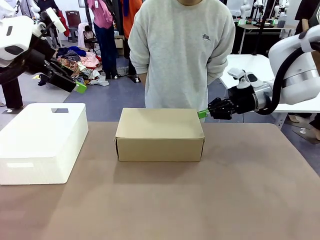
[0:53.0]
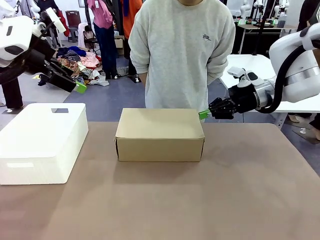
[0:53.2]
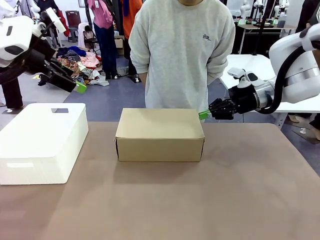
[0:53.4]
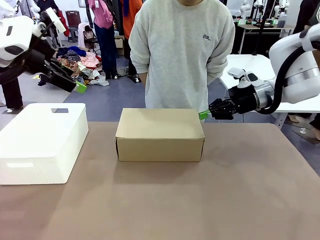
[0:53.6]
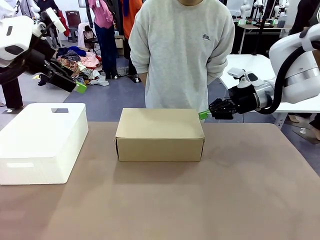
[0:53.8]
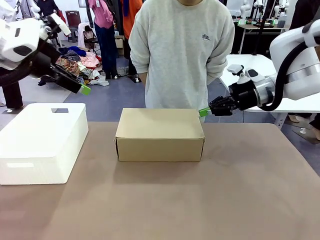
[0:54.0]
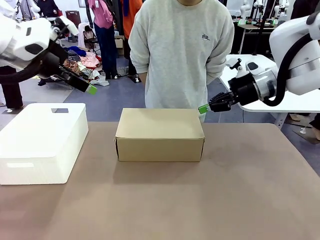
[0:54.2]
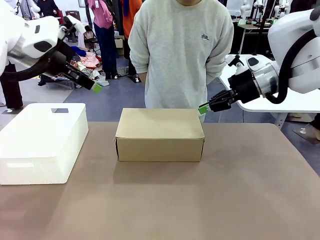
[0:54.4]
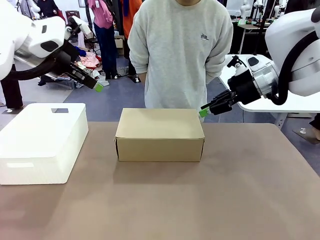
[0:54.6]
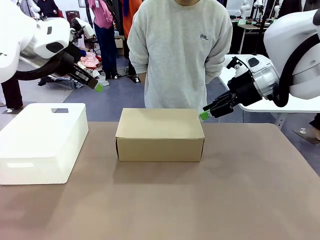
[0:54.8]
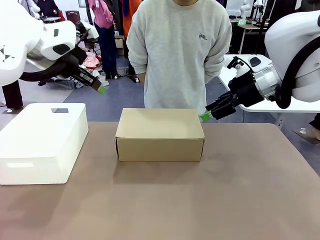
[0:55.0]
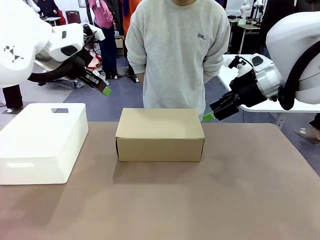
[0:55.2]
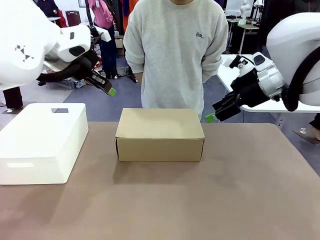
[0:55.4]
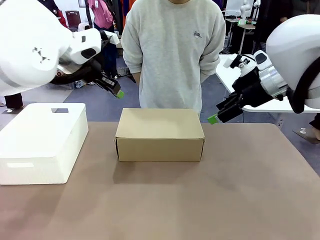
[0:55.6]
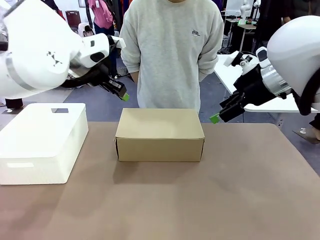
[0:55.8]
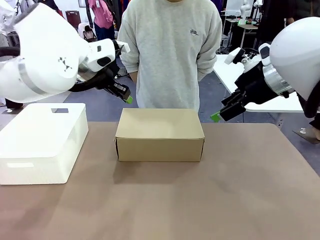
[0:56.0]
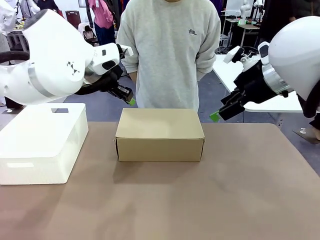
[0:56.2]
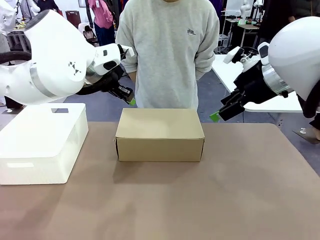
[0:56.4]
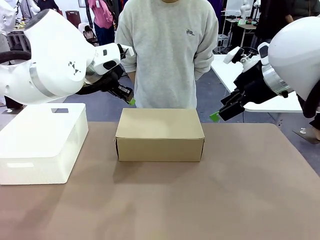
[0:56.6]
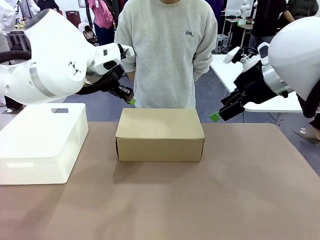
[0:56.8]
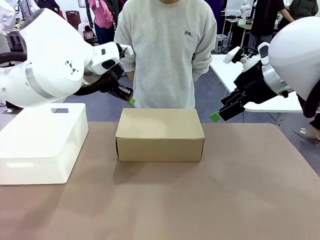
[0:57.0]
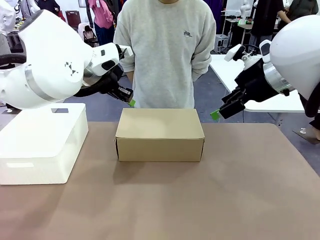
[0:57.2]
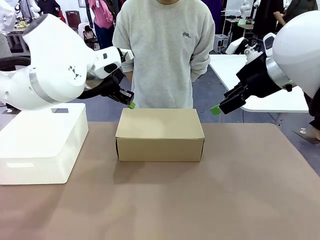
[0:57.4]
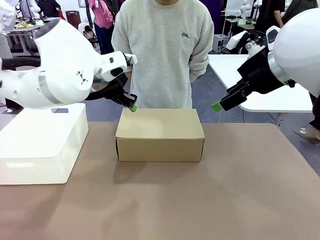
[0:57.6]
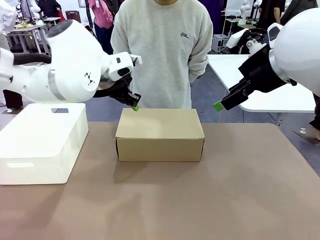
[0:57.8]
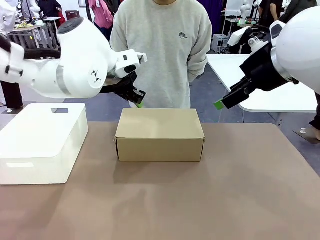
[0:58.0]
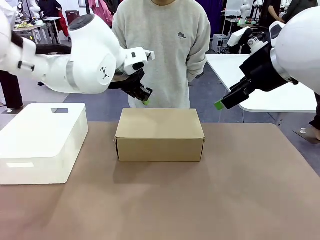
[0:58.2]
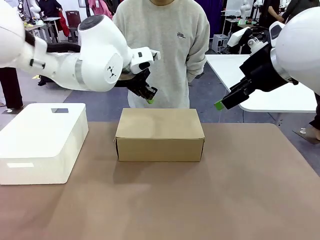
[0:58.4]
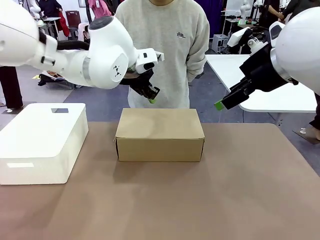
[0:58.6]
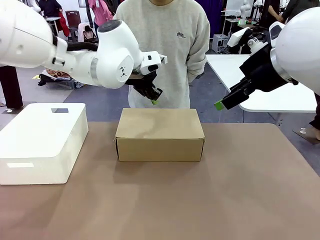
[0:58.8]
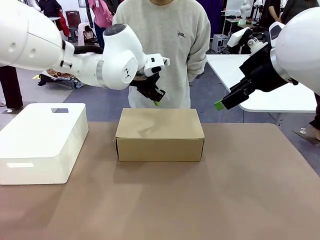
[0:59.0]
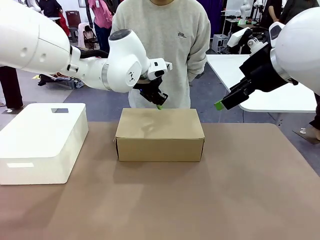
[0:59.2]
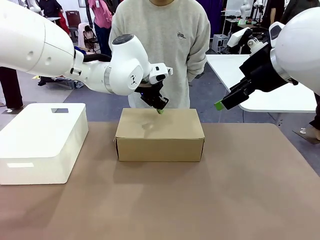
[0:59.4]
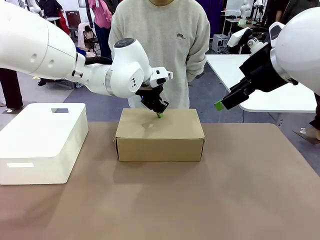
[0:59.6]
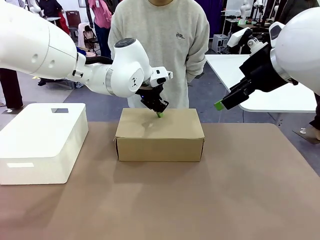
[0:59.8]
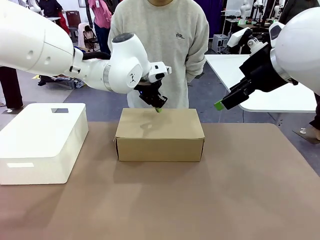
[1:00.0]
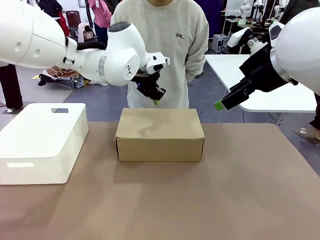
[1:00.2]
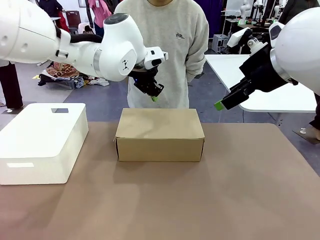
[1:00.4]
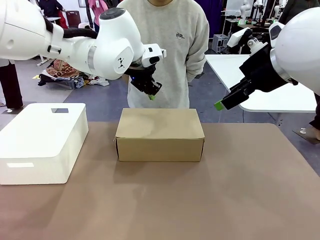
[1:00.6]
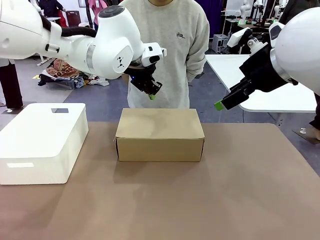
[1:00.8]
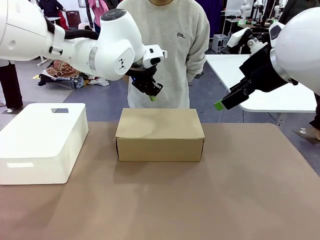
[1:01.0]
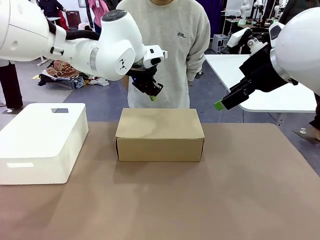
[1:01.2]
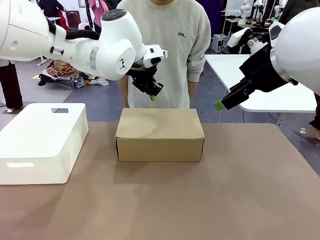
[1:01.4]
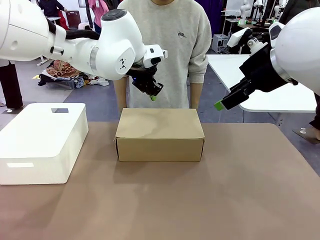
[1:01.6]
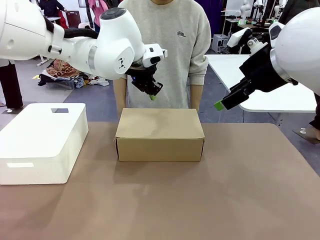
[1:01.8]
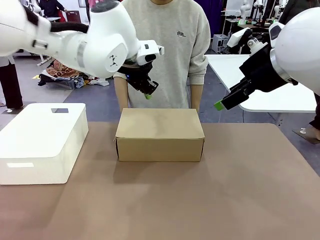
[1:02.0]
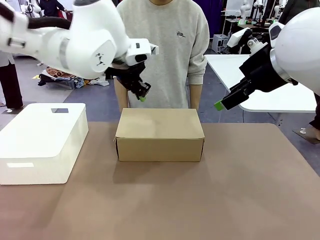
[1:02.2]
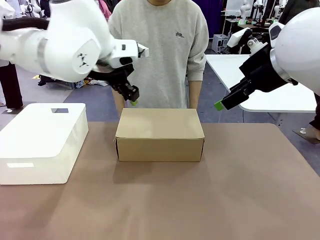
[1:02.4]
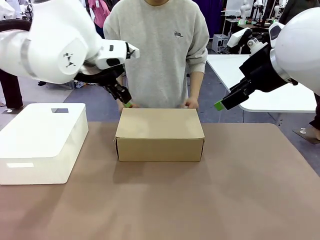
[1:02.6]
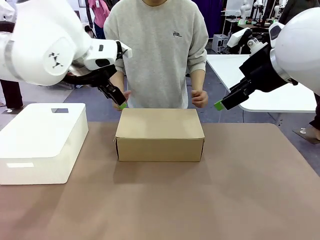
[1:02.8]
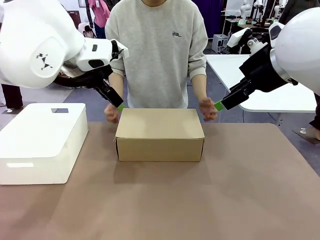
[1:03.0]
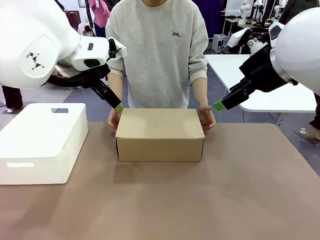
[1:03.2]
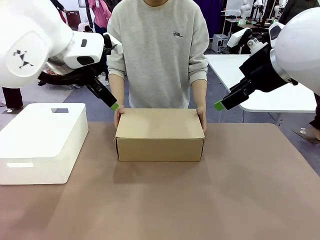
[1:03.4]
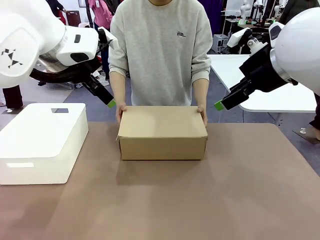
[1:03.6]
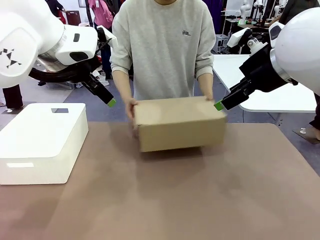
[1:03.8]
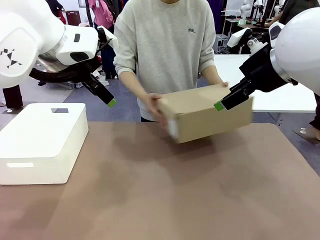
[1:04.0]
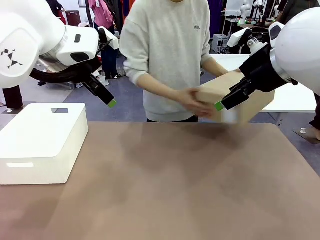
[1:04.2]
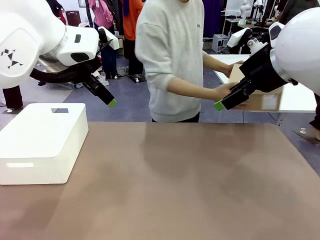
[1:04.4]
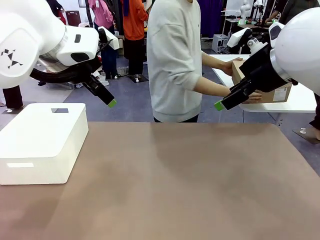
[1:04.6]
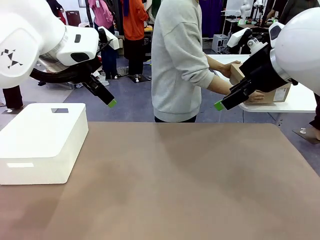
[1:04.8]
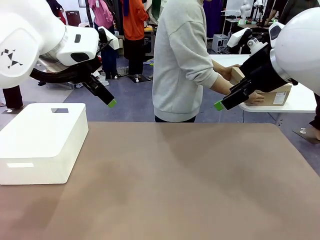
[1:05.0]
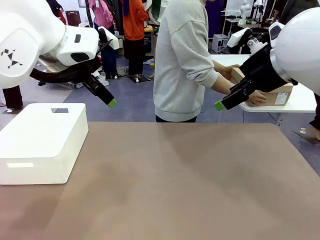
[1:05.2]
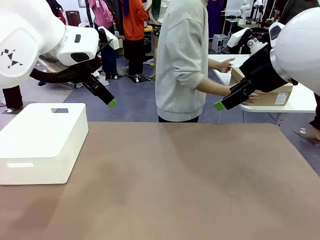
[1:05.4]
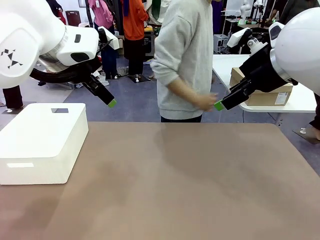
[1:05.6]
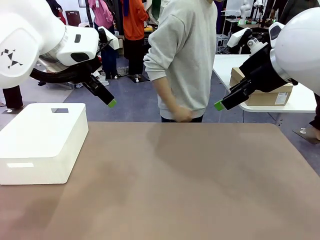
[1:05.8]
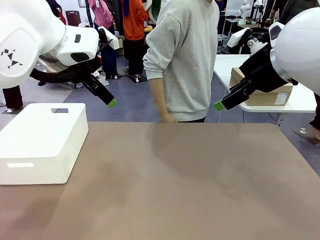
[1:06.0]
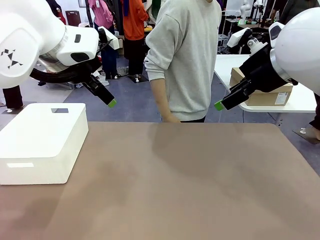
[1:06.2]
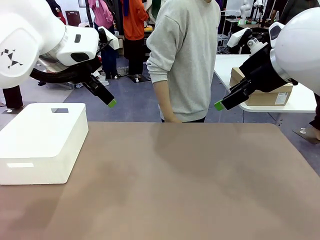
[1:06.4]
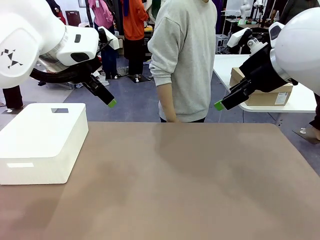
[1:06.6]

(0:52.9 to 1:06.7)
Task: Pack the shoes into the box.
Robot: Press down on the lid of the Shoes Box.
Person: Place the closed Shoes Box to the right side of the human table.

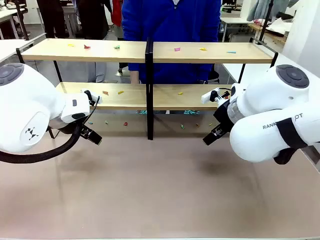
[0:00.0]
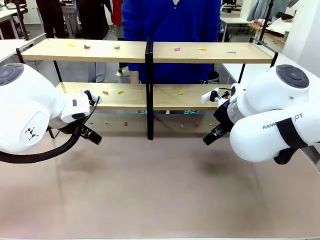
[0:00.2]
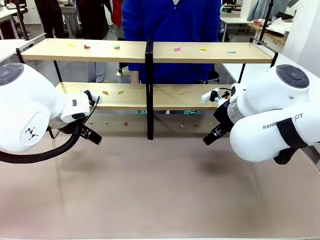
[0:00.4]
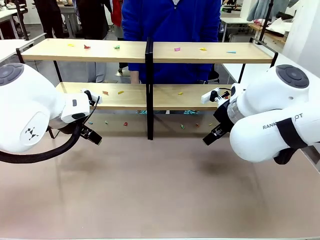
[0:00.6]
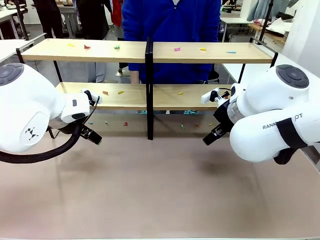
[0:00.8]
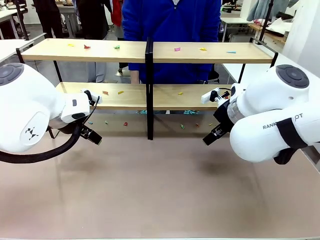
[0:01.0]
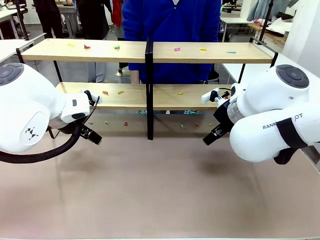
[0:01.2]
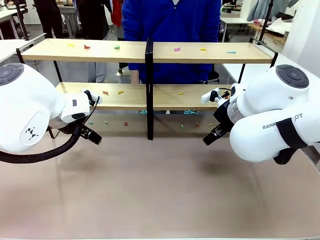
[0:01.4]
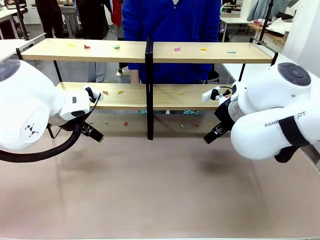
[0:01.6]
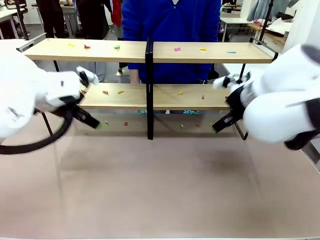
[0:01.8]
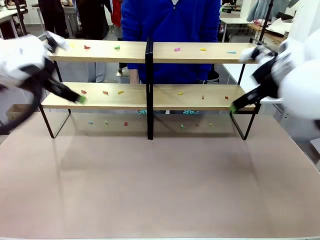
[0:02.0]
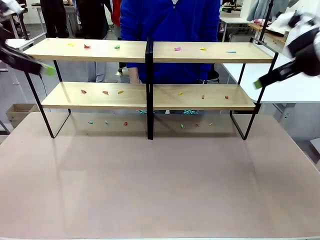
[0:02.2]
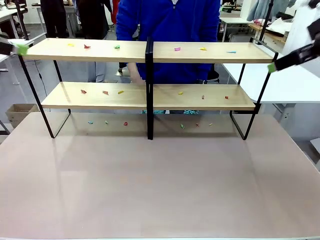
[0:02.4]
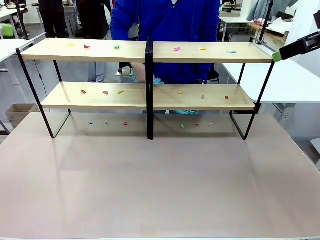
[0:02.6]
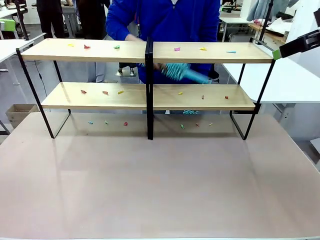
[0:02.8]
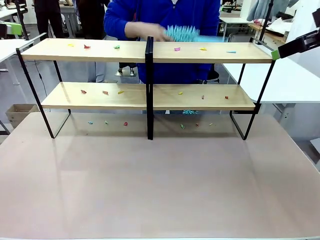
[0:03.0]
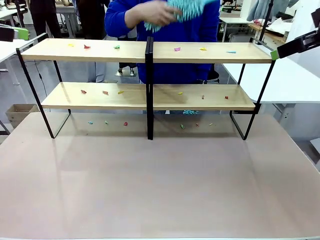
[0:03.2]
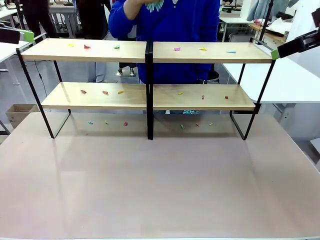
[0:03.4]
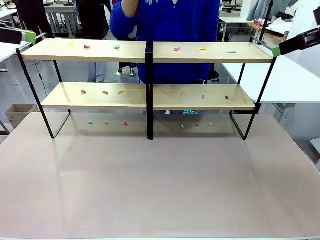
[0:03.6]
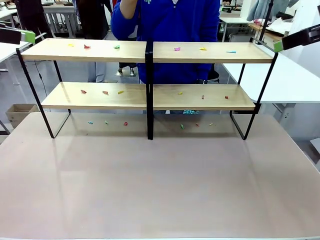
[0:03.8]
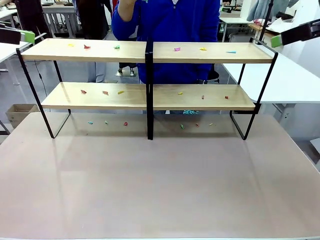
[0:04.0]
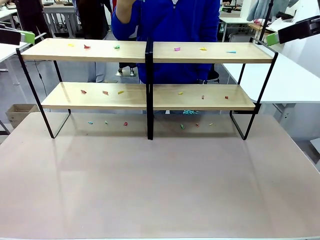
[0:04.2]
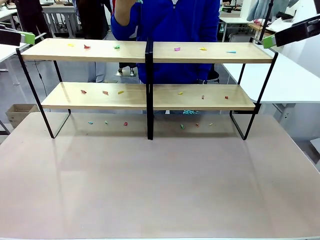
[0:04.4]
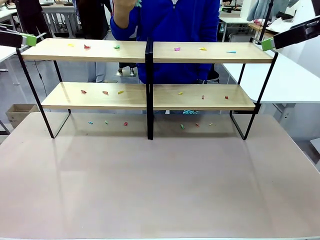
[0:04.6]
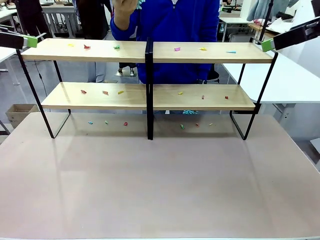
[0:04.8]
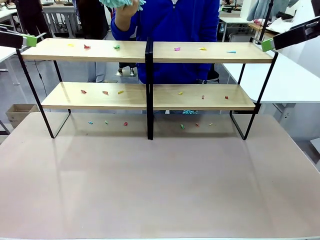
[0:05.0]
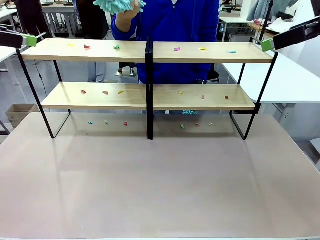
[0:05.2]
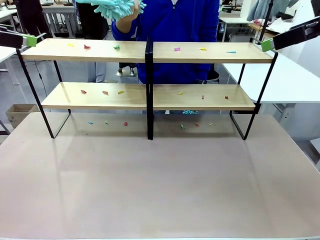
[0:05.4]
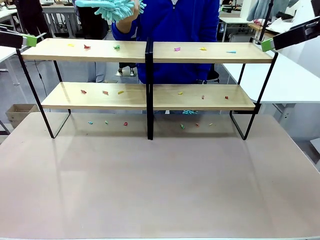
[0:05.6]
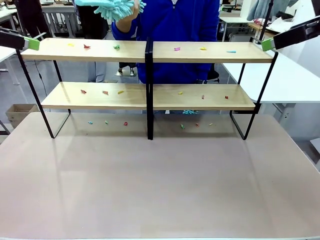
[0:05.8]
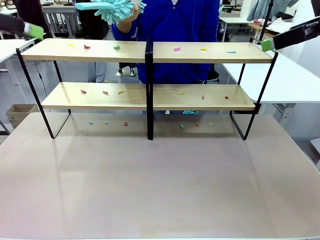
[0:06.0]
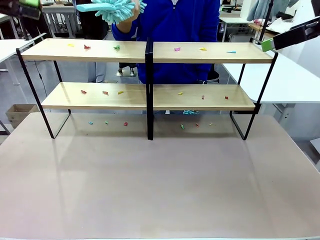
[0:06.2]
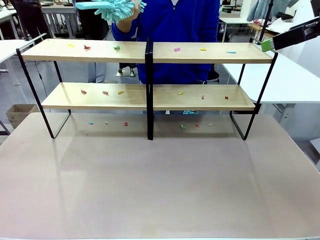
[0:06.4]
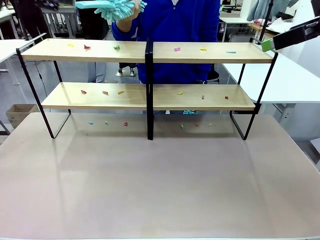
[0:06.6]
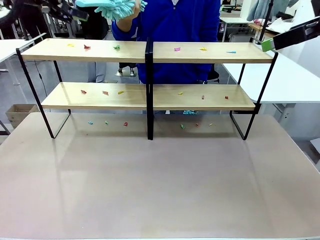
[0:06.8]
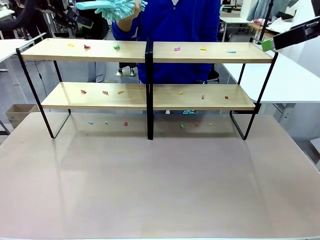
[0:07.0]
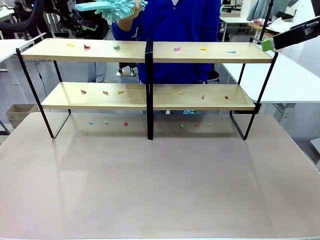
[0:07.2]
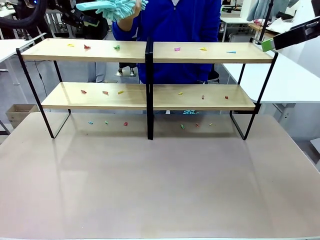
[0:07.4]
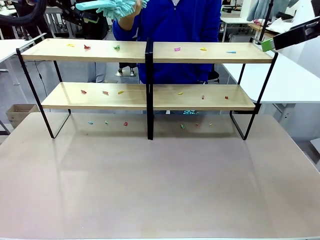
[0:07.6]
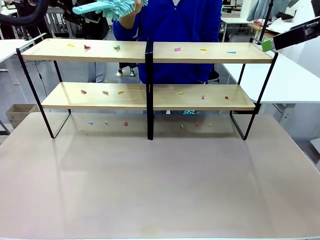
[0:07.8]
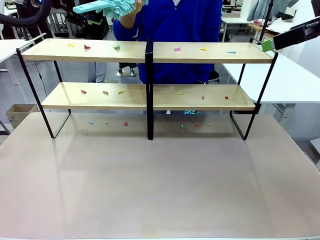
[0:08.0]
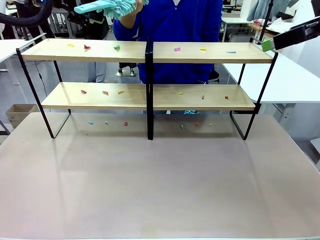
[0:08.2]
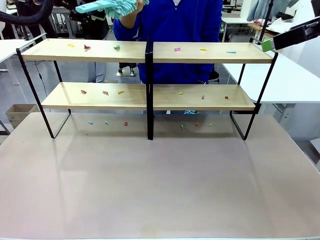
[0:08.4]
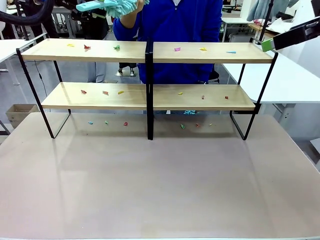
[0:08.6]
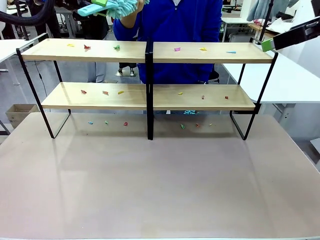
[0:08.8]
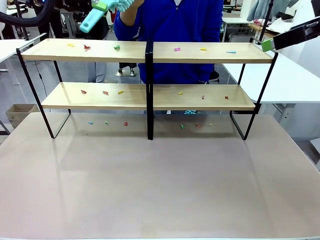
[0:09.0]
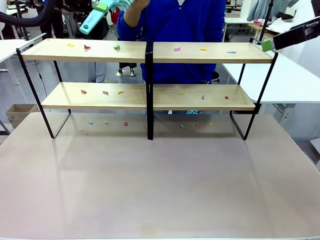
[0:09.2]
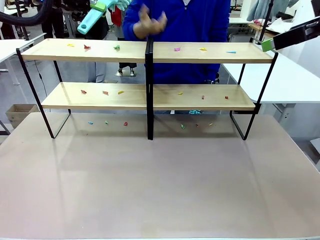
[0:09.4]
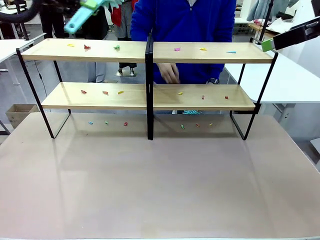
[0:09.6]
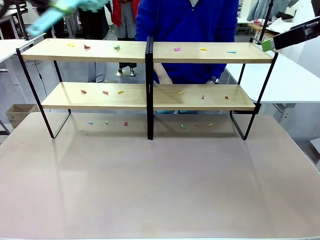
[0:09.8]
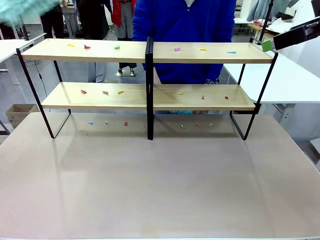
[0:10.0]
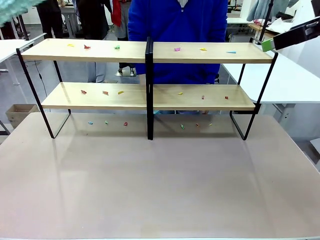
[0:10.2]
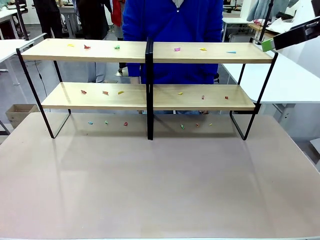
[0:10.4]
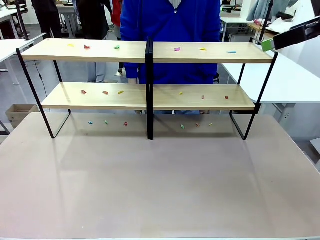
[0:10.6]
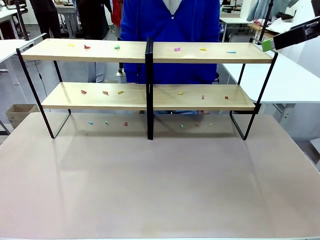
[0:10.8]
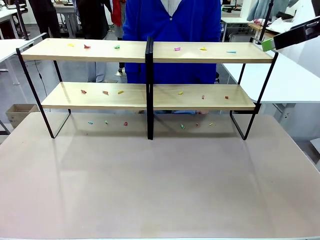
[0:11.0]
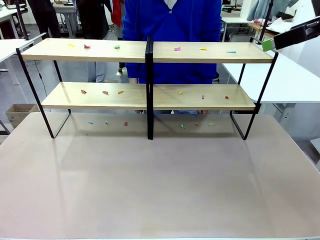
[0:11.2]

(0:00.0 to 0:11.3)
Task: Clean the shelves.
Robot: Pick up the Duster when the human hands it over.
Person: Hand the Duster to the robot with your right (or left) hand.
